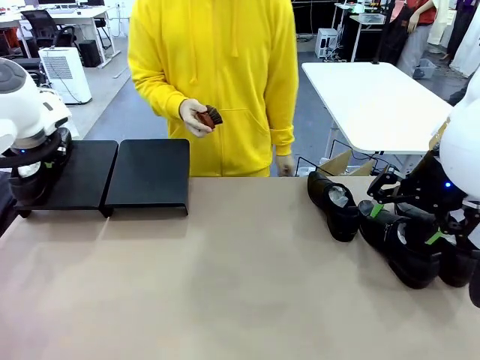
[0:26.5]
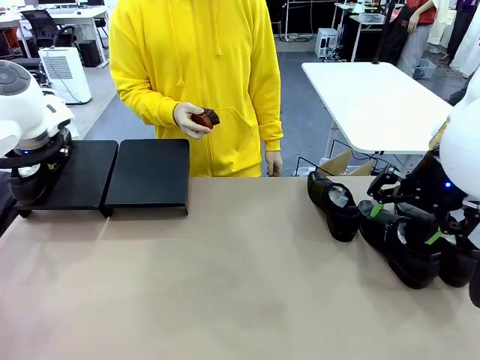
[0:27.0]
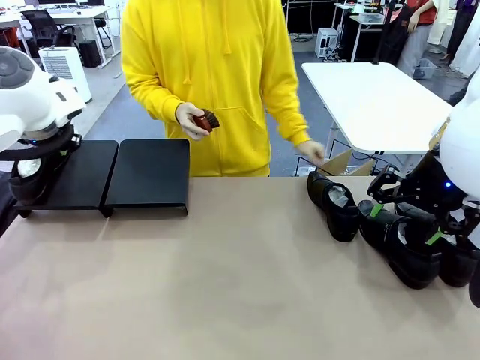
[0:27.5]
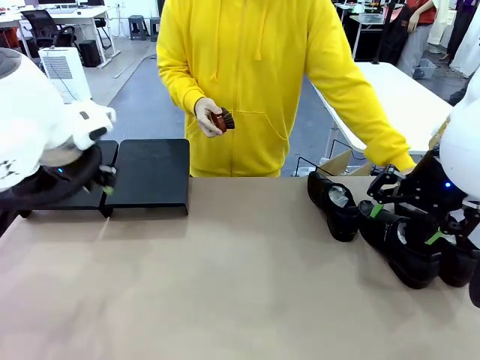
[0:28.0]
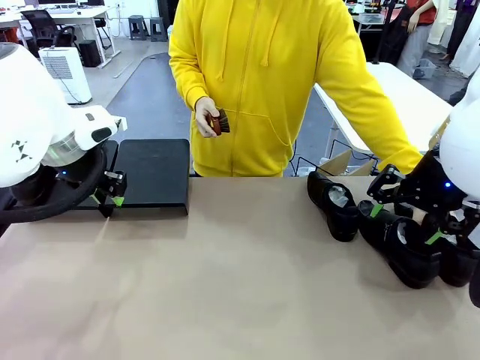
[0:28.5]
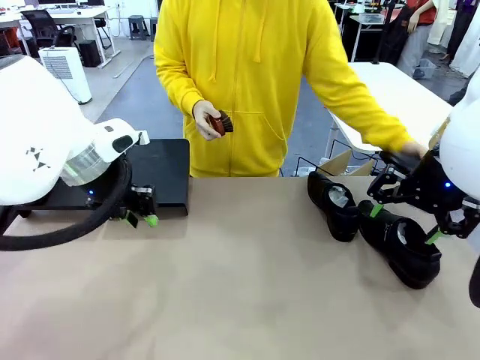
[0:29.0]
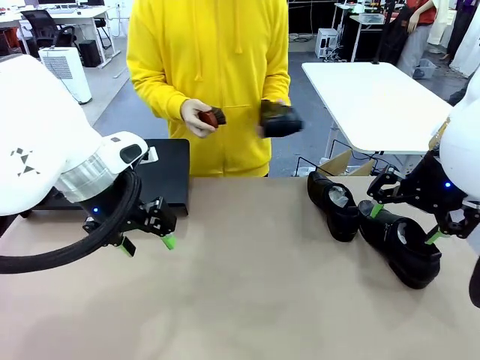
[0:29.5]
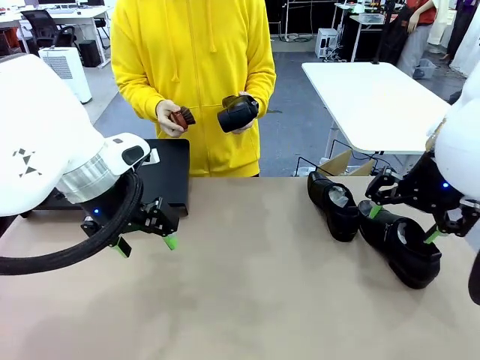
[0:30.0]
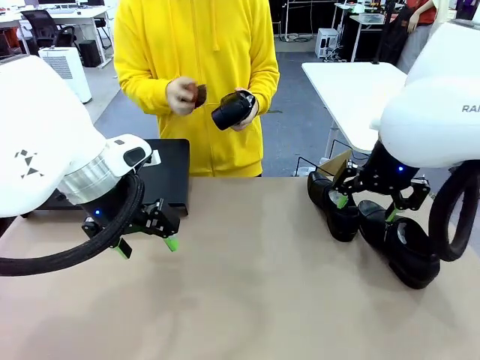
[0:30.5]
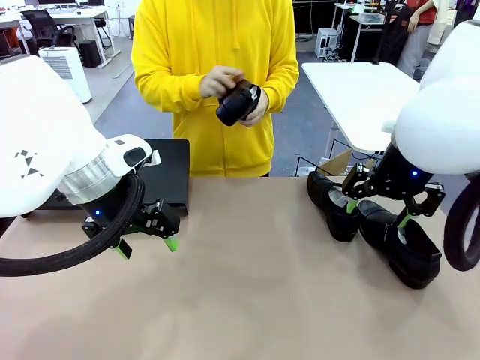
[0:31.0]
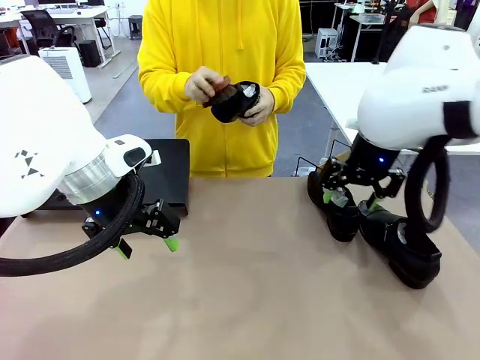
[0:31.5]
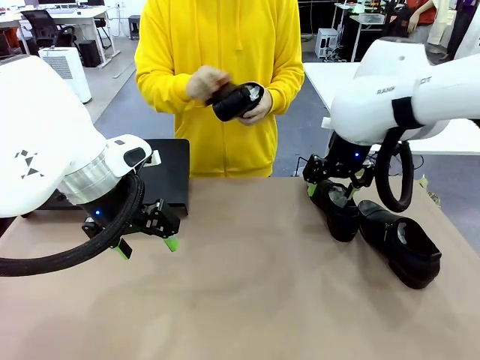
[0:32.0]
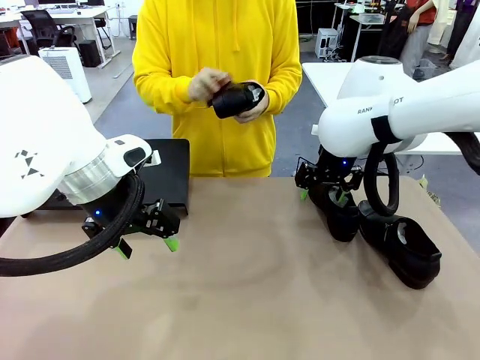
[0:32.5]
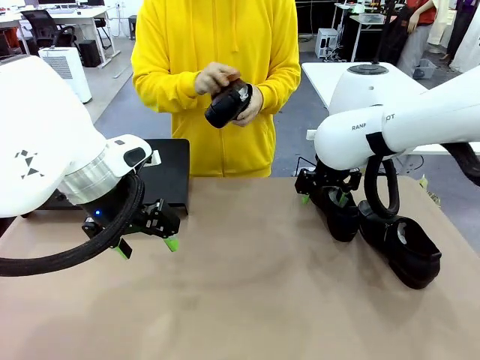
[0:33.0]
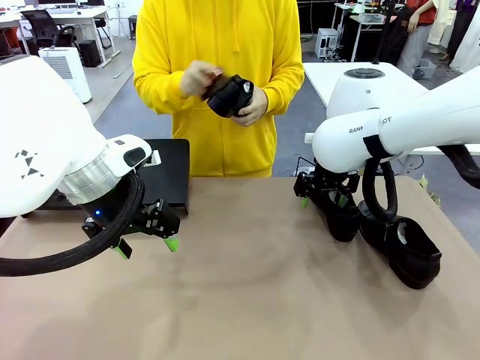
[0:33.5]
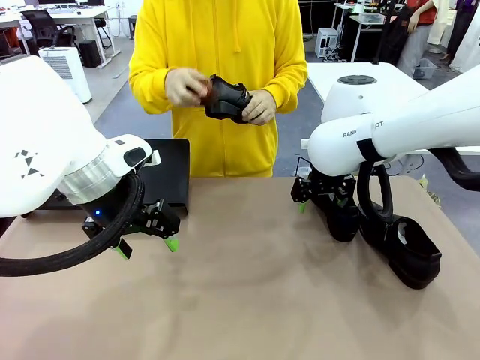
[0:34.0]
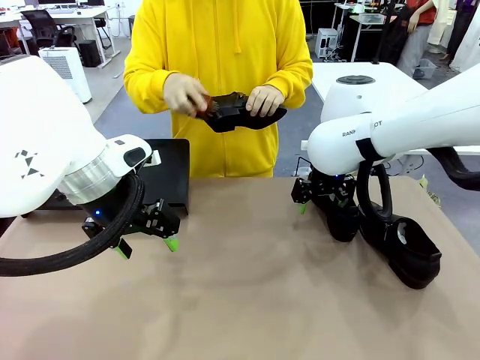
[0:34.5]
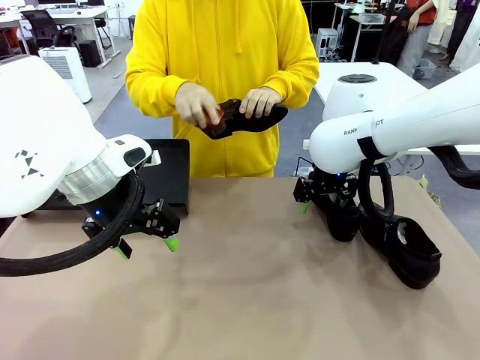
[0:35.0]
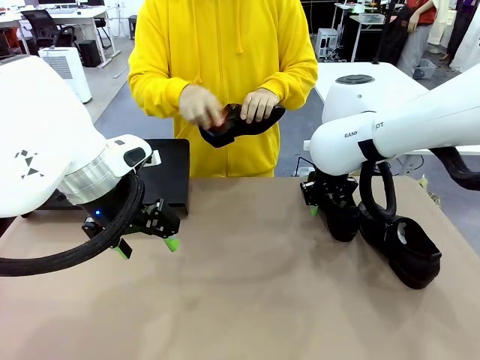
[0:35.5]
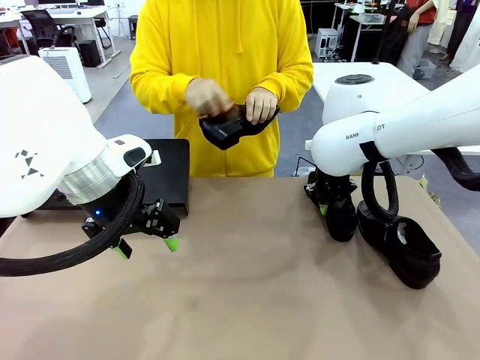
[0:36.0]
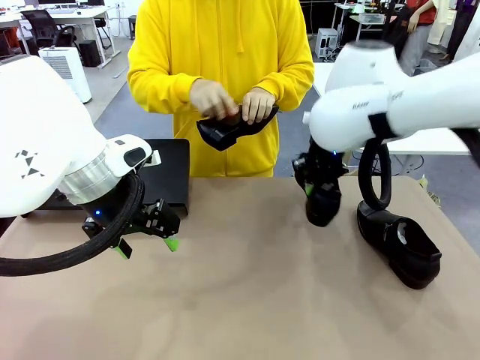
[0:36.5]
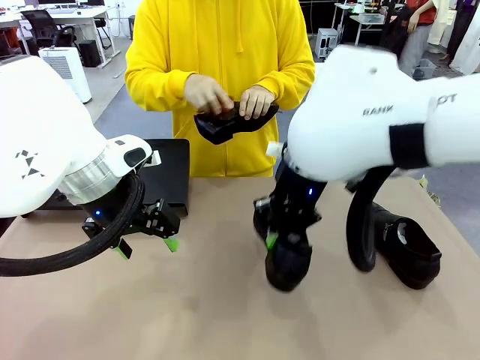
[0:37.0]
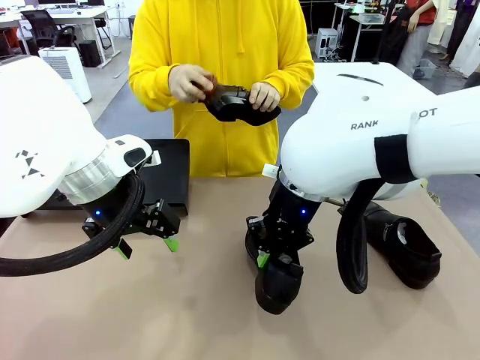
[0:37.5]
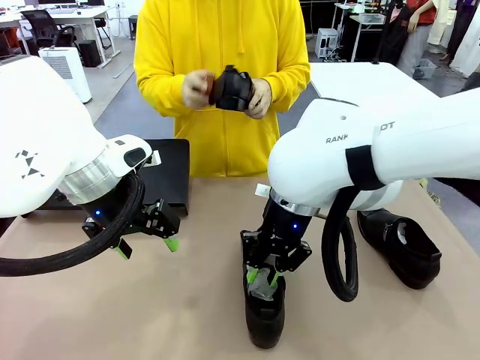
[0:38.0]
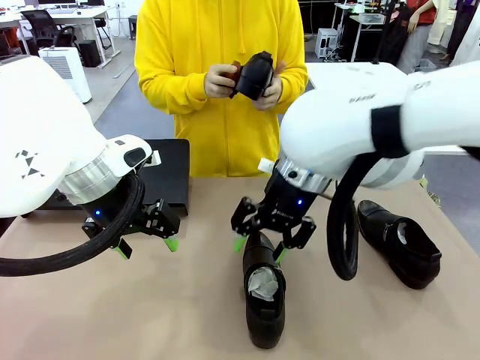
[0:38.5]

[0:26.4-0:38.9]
Task: Organize the shoes by placing them on the stand.
Robot: Pick up one Shoe and place it in the middle of the table.
Person: Pick one Shoe on Robot's table.

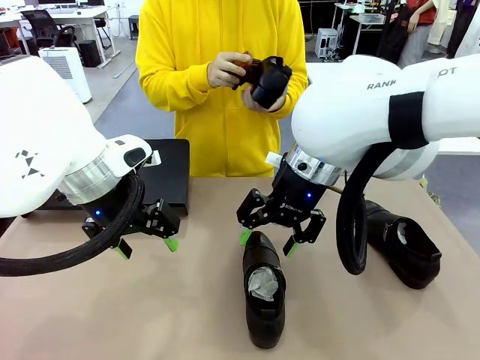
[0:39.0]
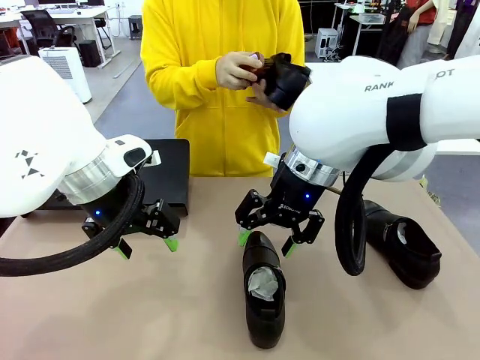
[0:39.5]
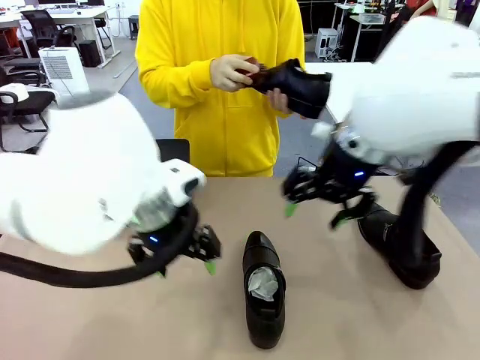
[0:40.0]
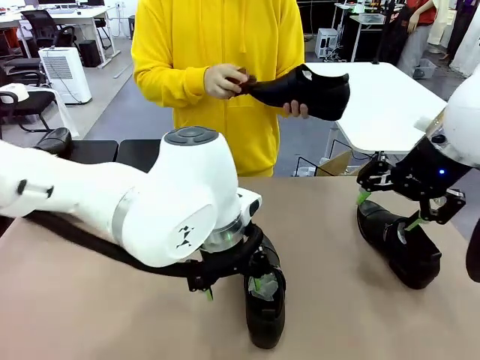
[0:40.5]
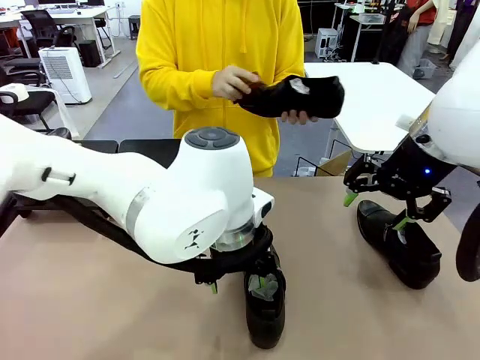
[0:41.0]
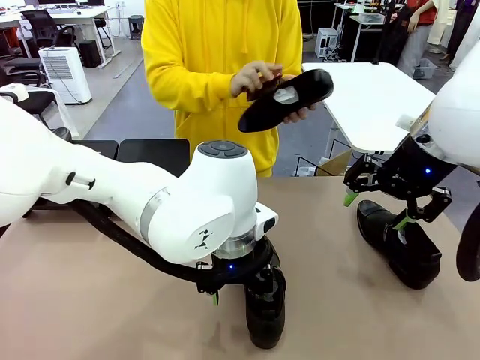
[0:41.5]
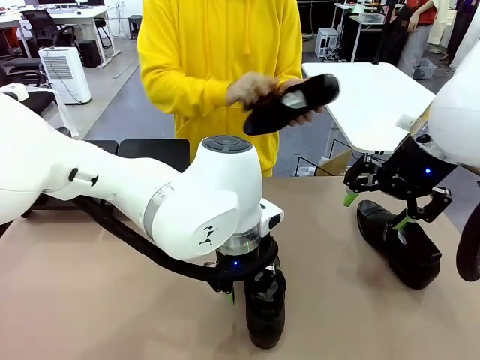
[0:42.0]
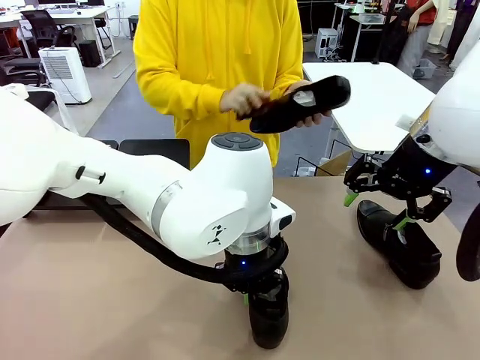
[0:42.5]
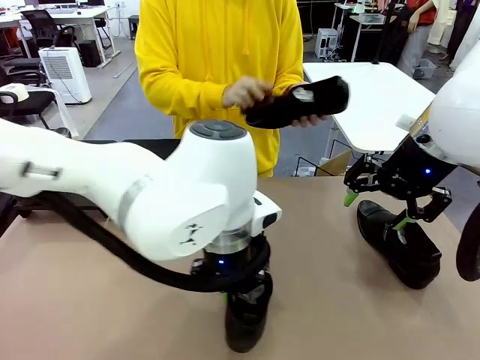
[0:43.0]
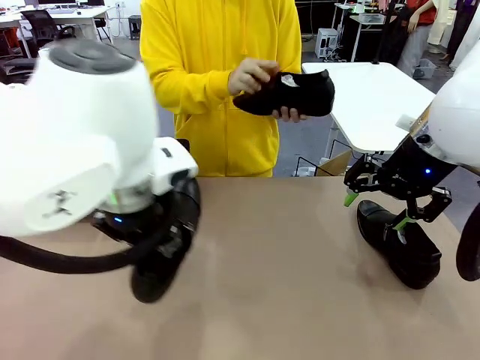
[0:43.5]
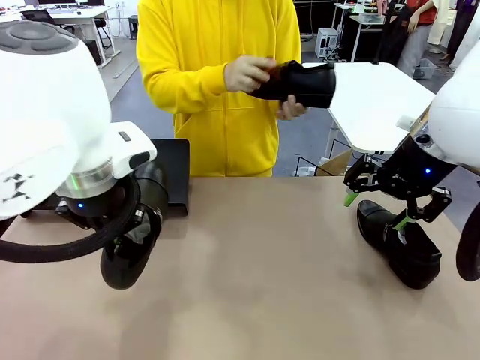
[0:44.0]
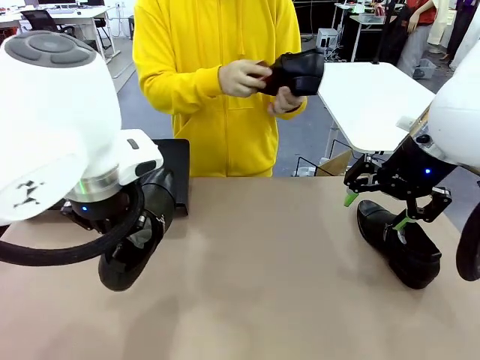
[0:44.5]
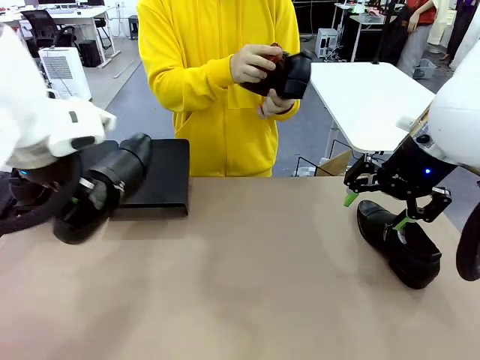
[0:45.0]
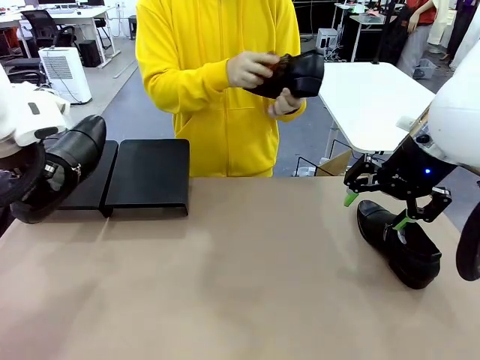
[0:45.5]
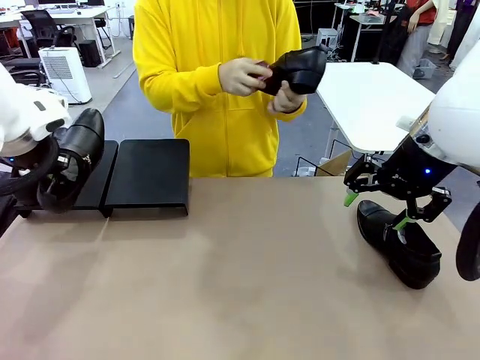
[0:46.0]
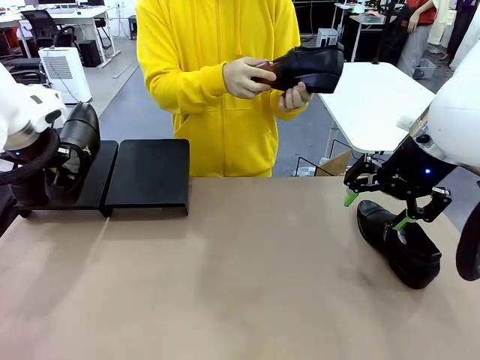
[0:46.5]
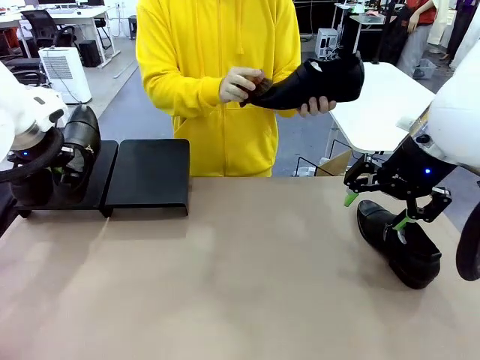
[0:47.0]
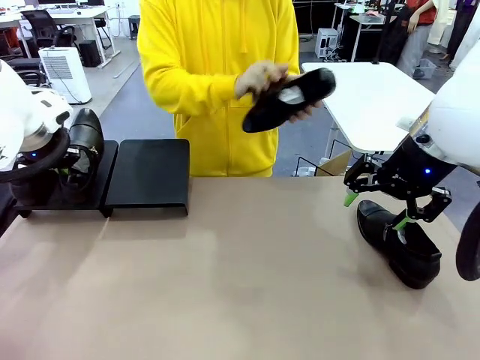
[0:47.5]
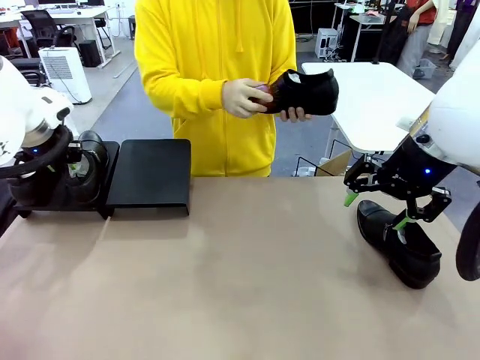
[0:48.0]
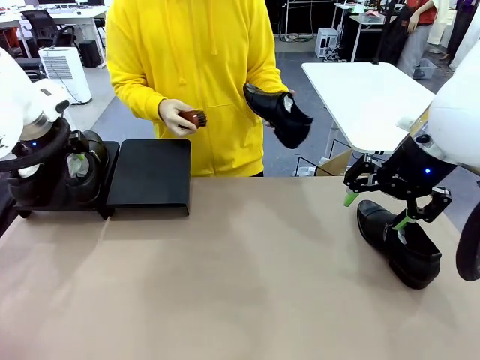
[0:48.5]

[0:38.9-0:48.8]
Robot: Place the Shoe from the middle of the table onto the Shoes Stand.
Person: Clean the Shoe with the Shoe Brush.

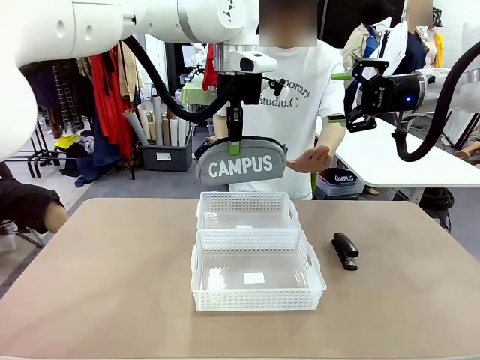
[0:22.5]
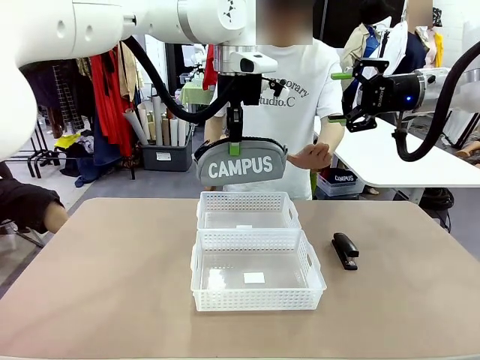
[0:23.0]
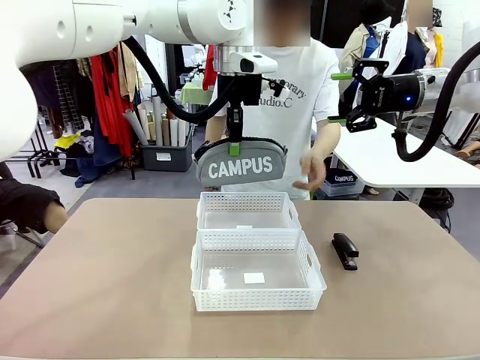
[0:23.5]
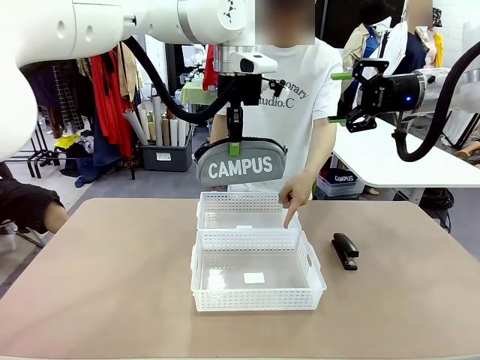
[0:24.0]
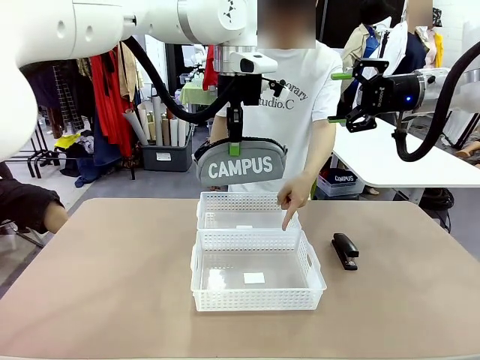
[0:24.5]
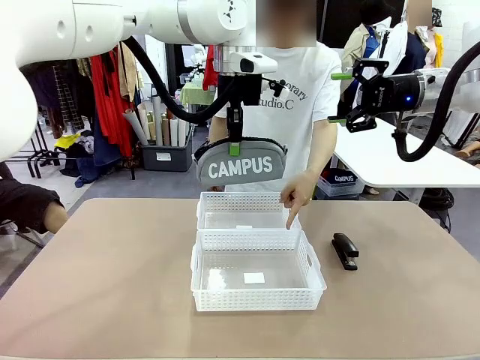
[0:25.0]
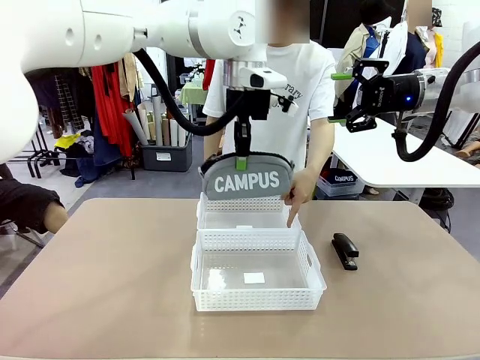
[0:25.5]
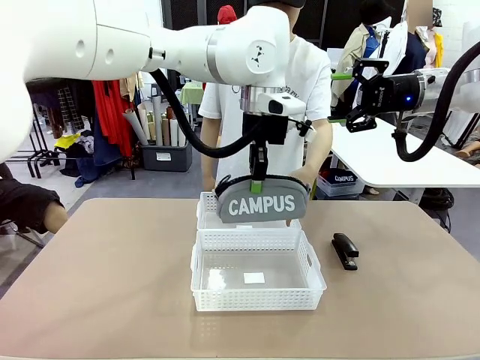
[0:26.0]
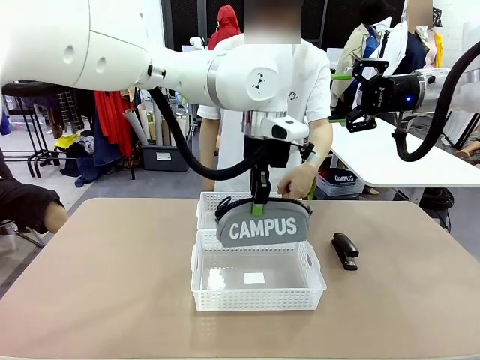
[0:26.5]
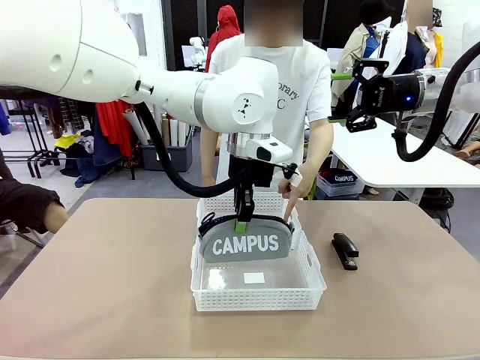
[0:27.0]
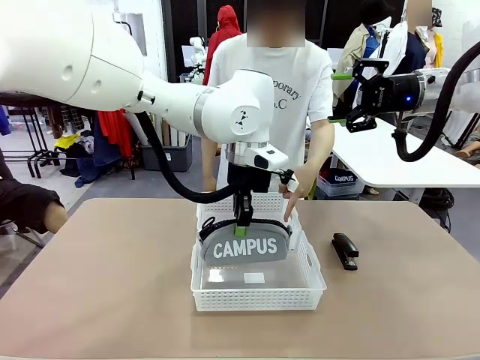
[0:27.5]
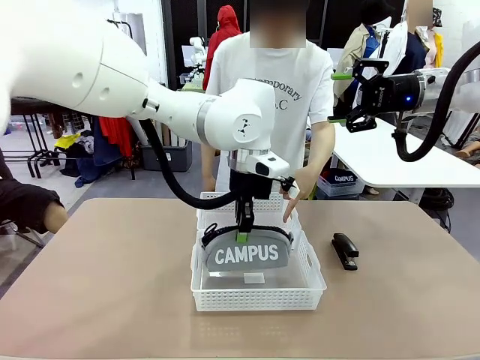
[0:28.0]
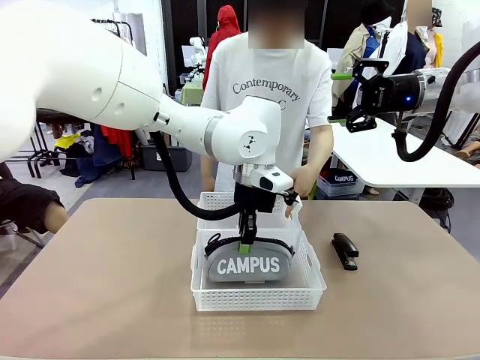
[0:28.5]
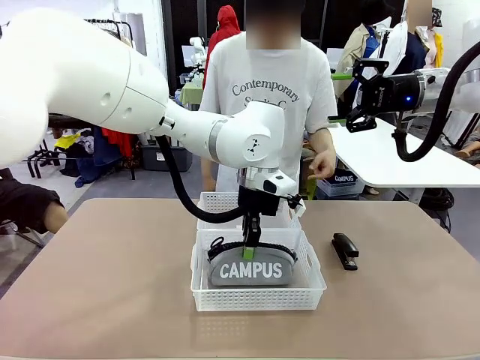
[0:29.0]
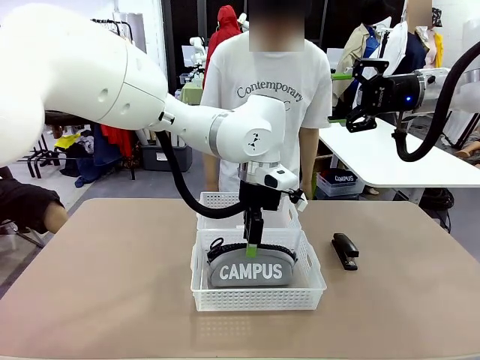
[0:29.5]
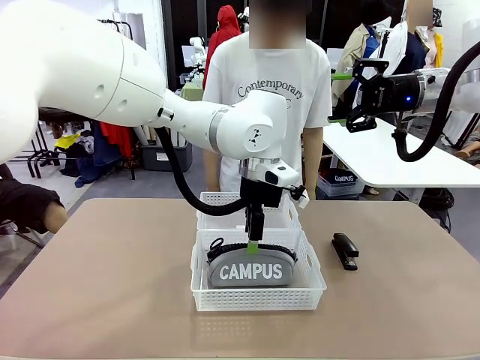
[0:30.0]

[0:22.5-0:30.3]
Task: Distribute items into two baskets.
Robot: Place the picked Pencil pouch into the Organizing basket as instructed by the person.
Person: Instructs the robot to place the pencil case into the opposite basket.
